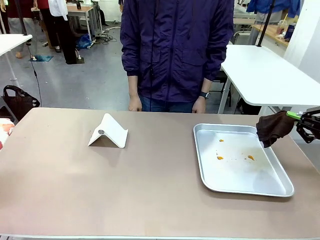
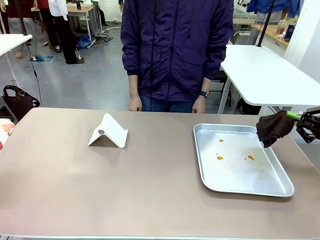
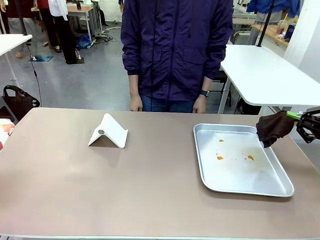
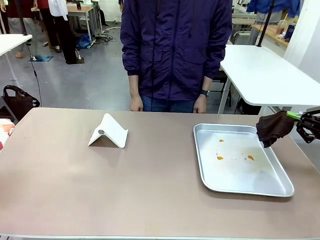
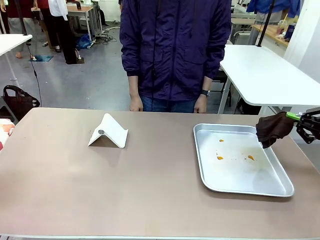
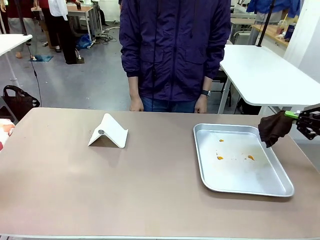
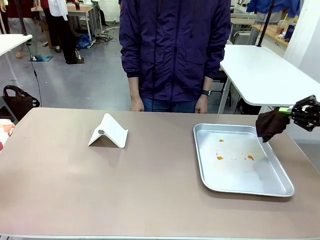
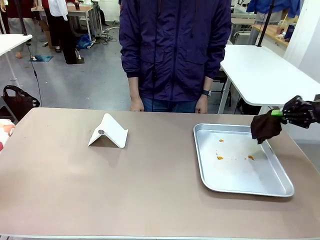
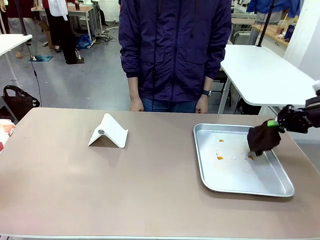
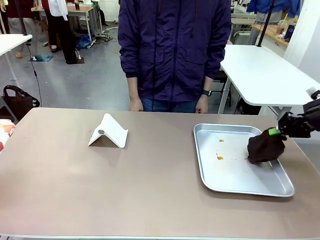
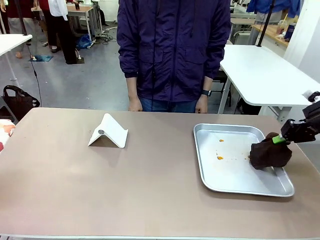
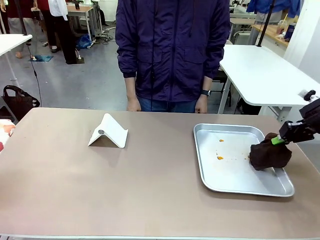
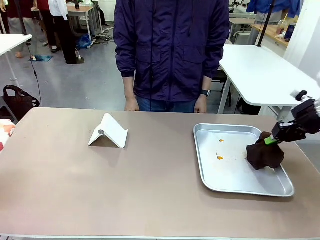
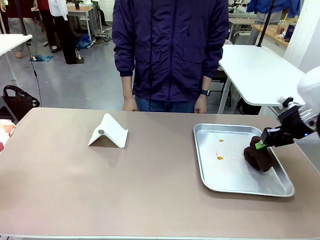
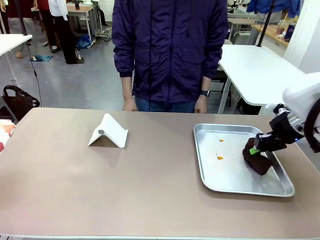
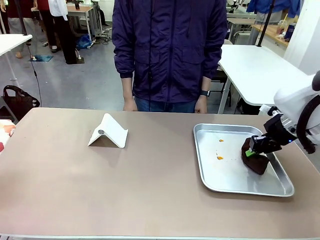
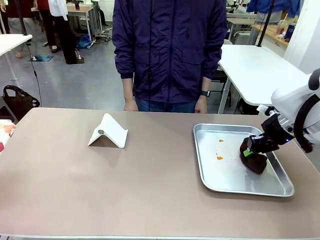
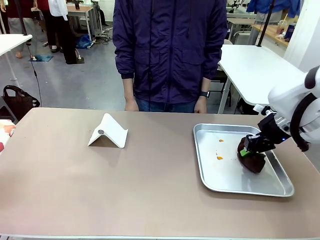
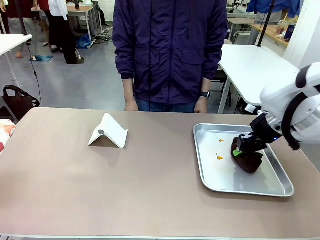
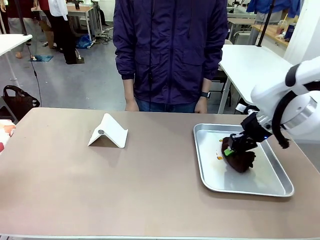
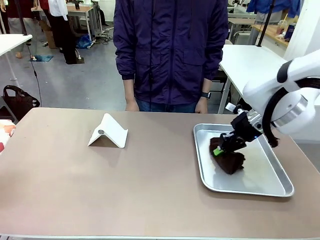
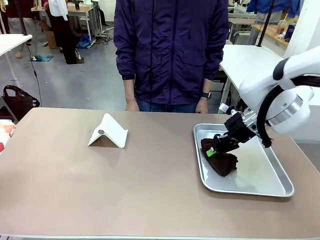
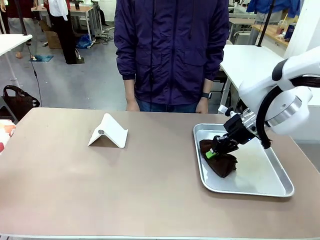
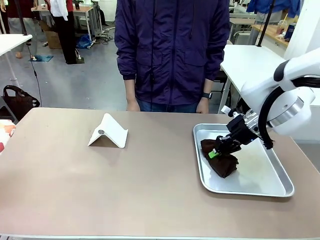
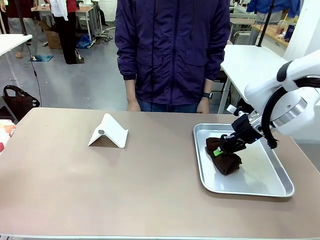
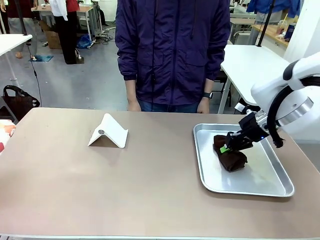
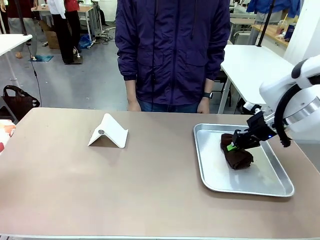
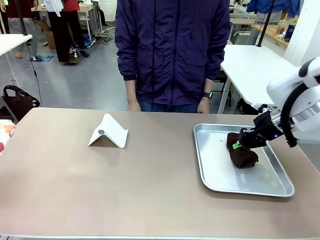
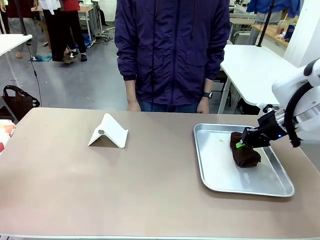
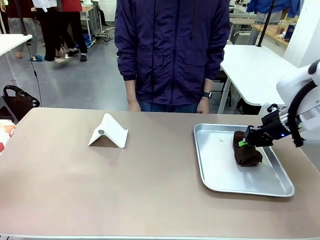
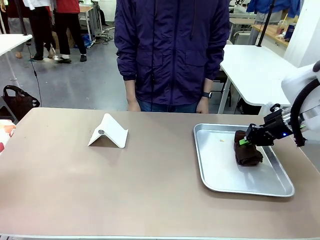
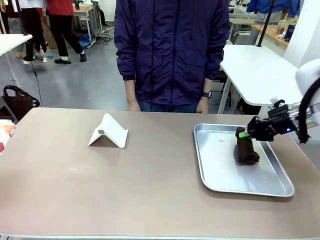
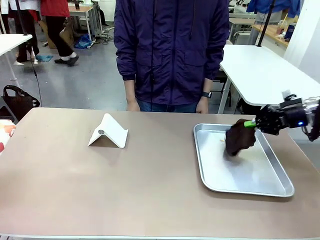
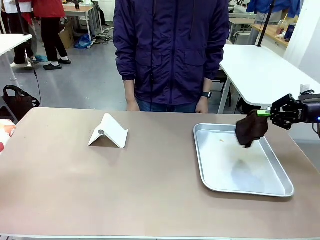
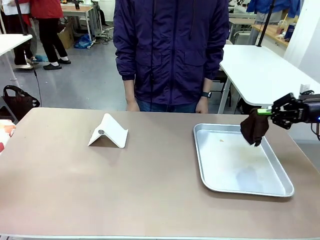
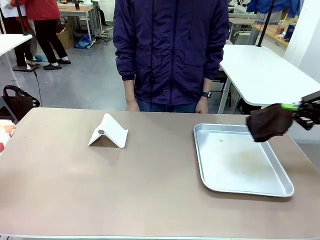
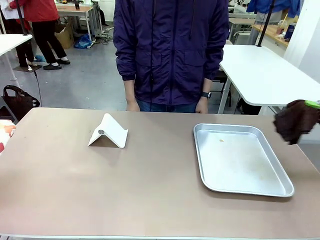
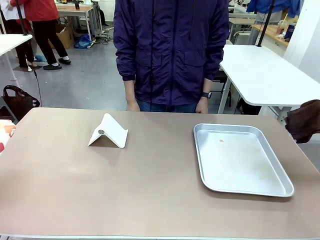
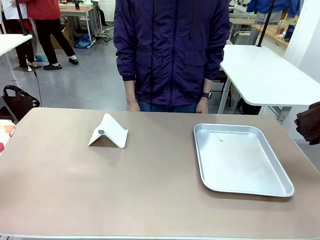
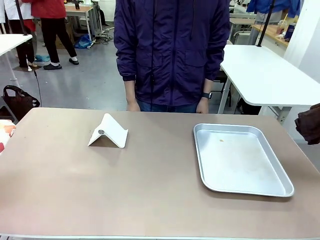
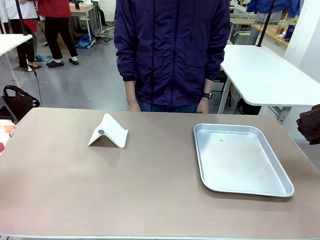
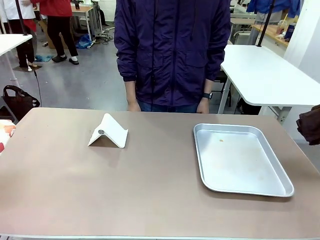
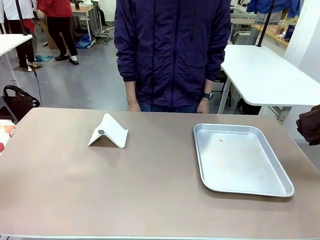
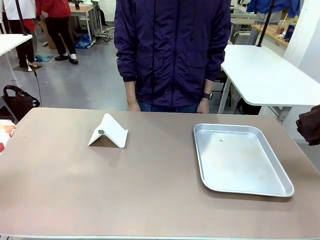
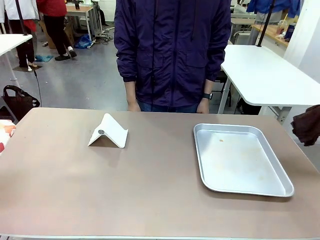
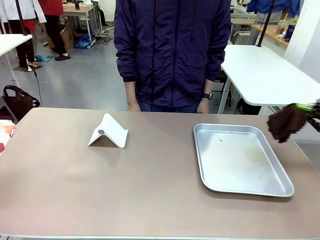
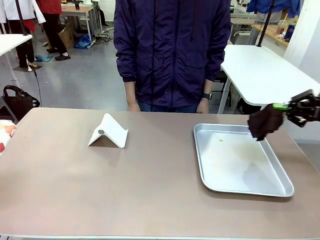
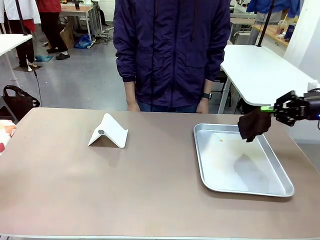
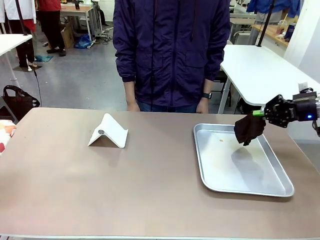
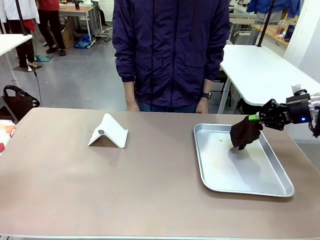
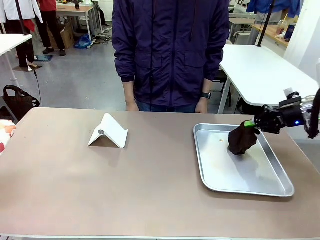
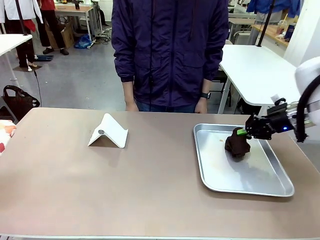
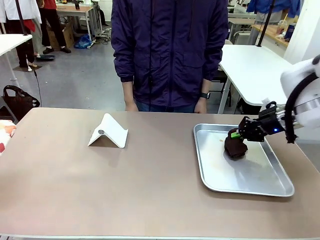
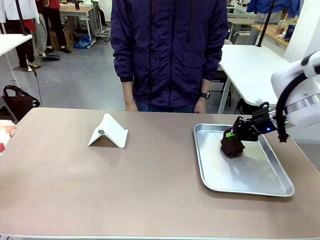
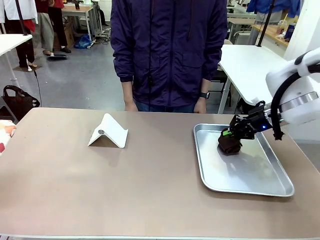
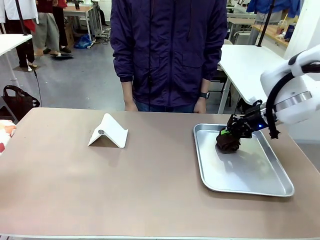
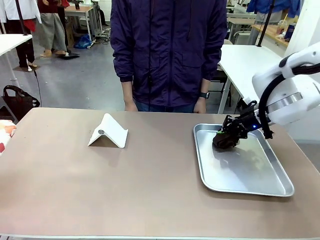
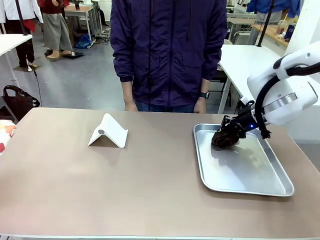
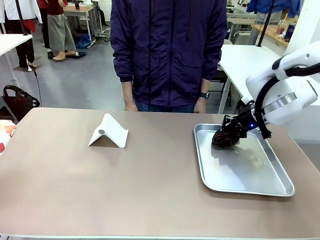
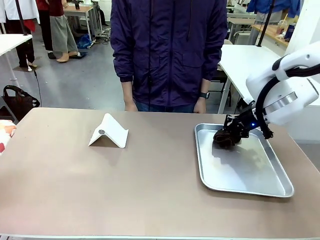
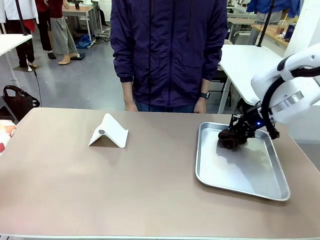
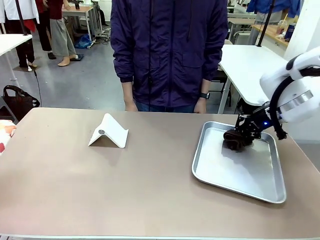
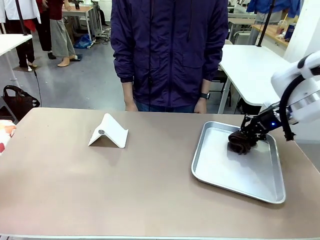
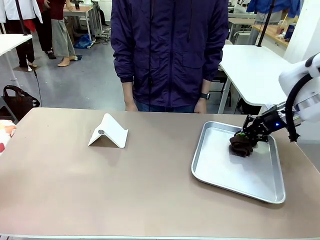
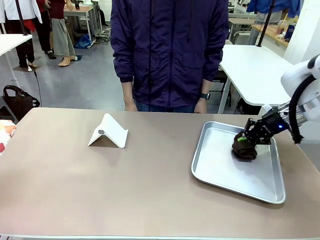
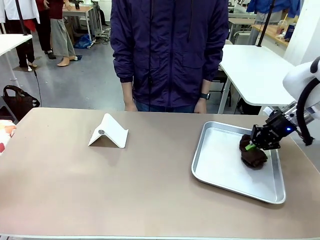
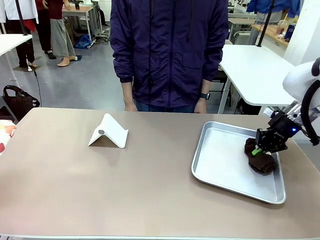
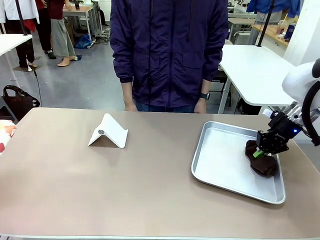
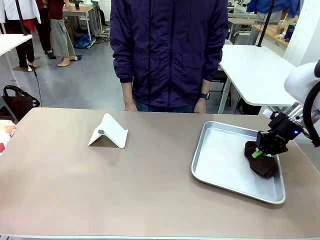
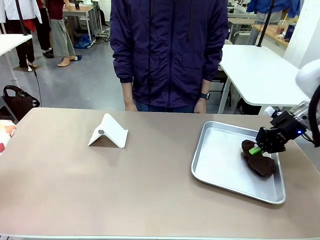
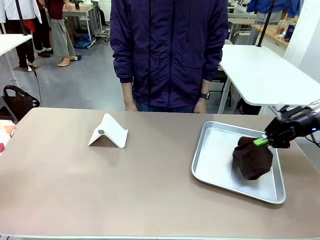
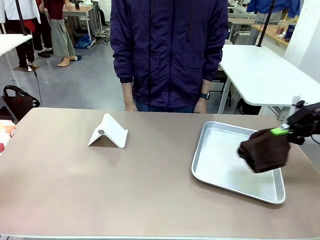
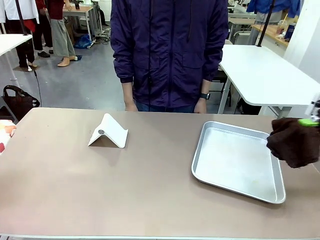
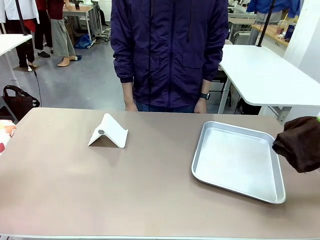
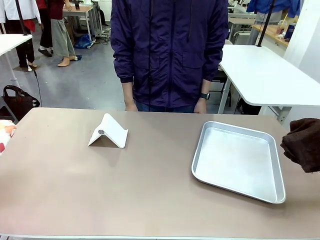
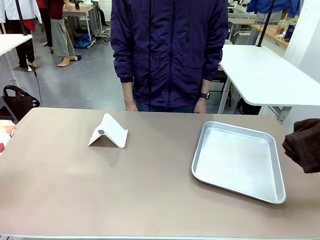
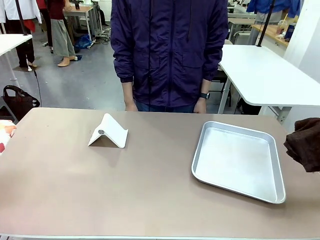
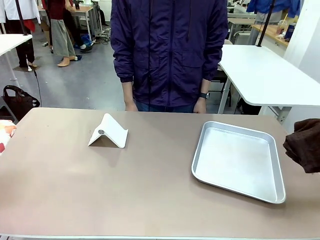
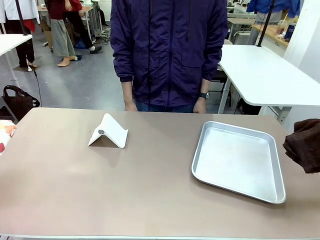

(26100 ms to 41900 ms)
Task: Clean the surface of the table.
Robot: Clean the area not pointed to by the person.
